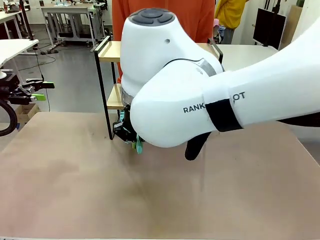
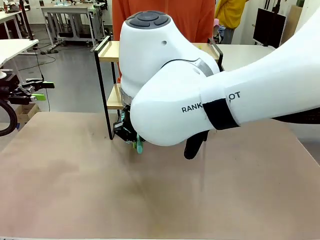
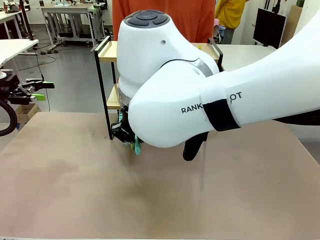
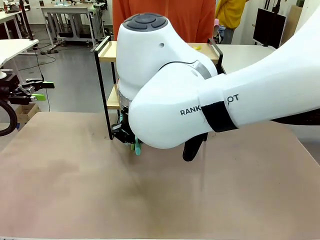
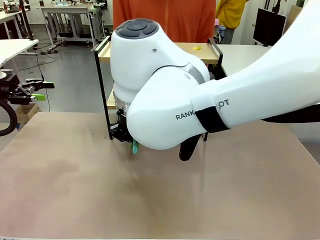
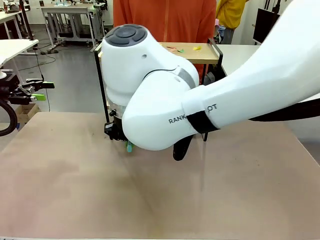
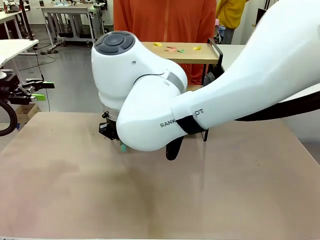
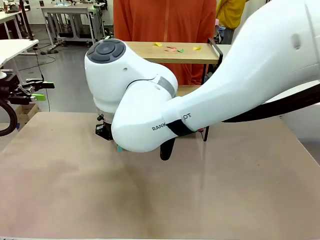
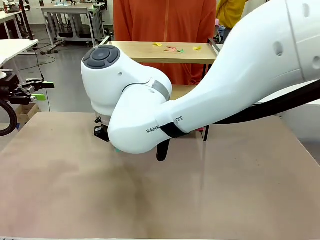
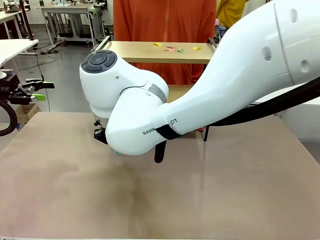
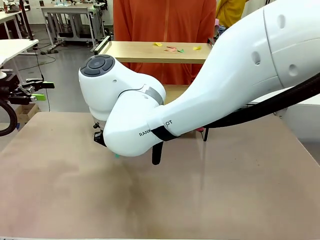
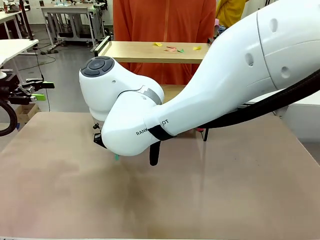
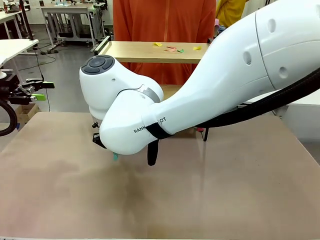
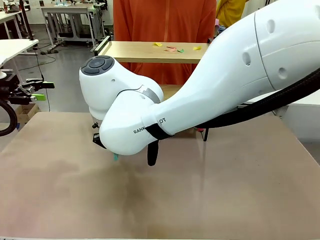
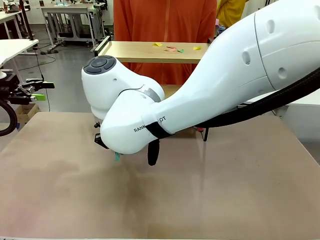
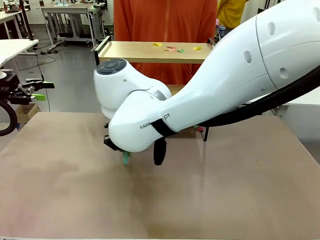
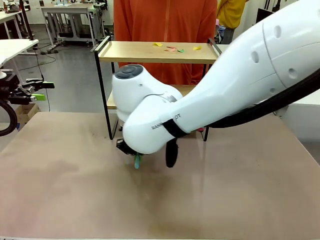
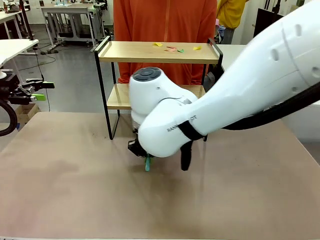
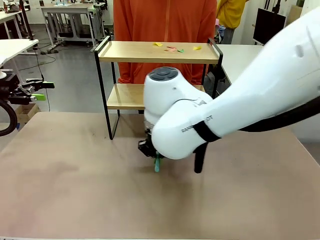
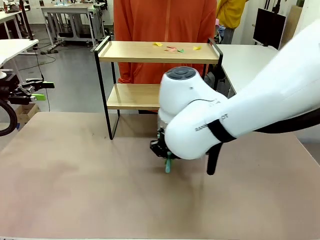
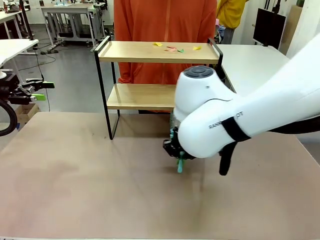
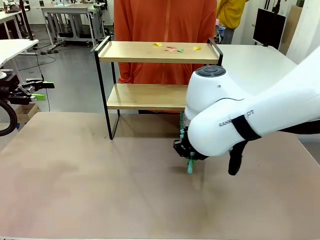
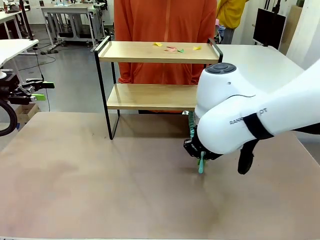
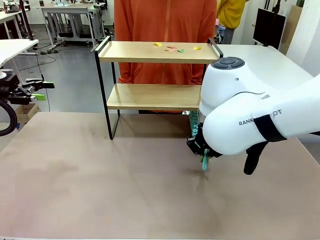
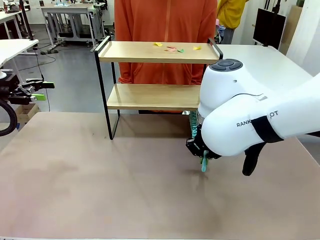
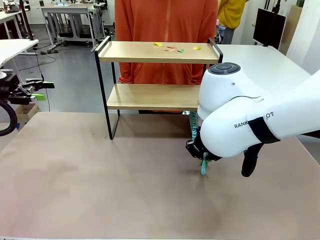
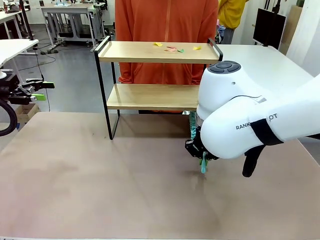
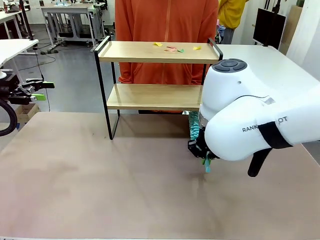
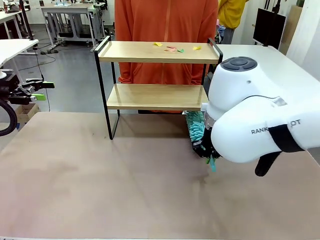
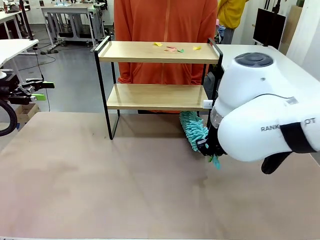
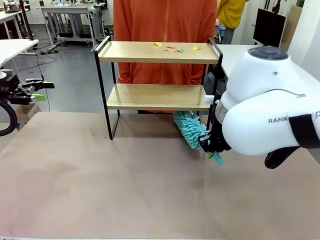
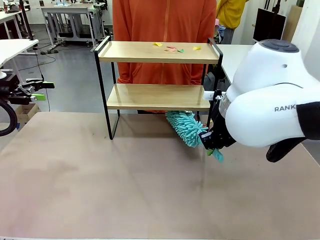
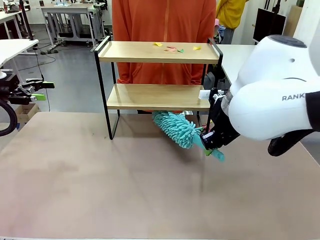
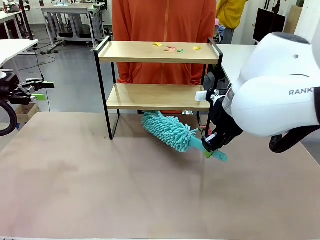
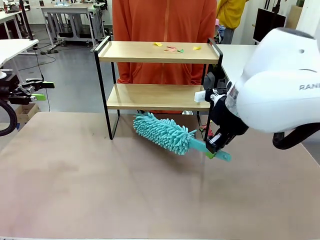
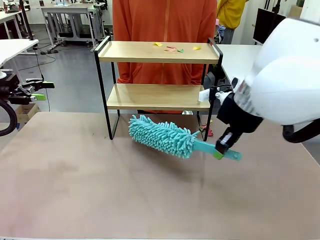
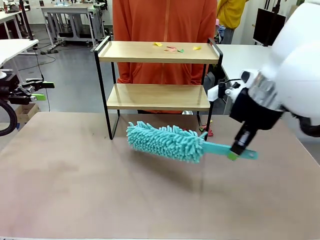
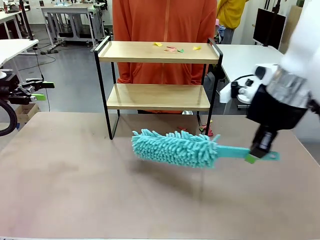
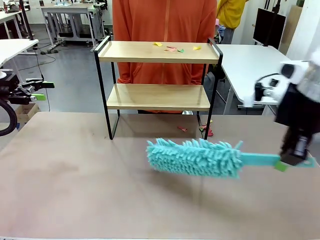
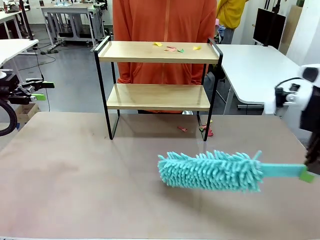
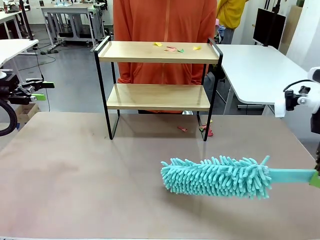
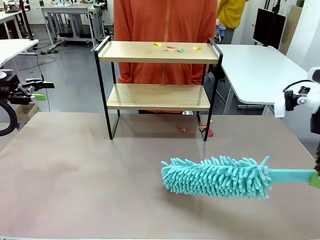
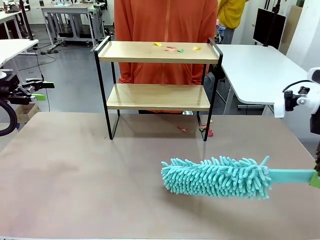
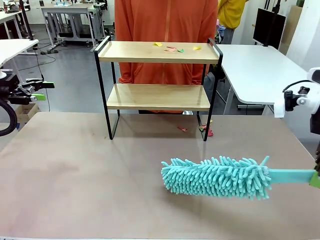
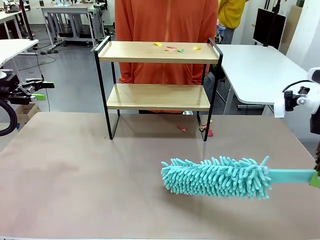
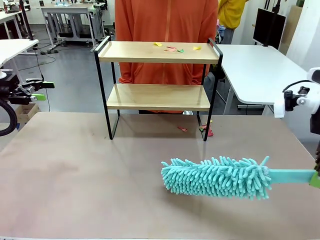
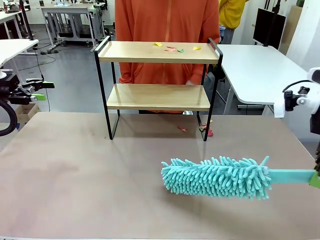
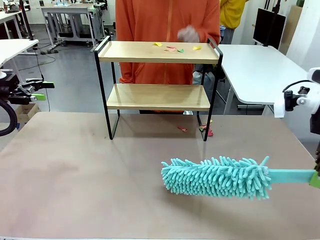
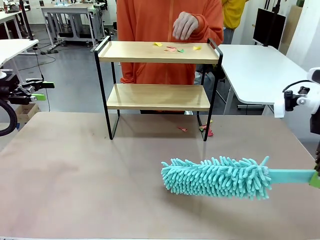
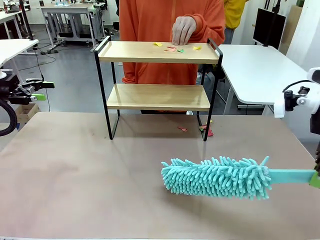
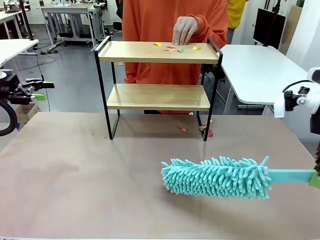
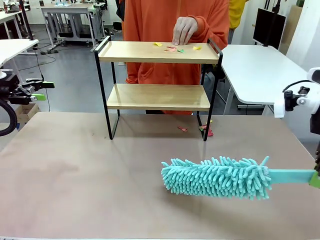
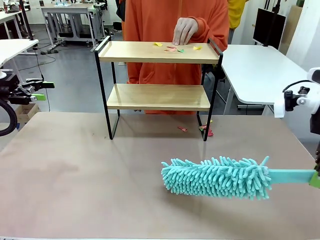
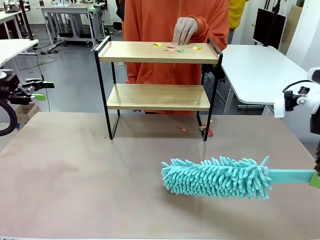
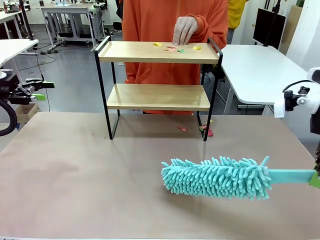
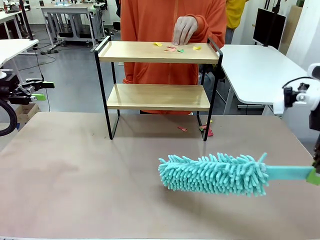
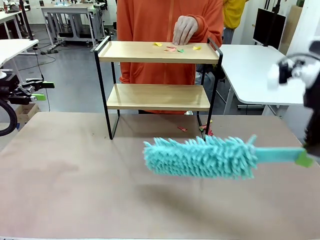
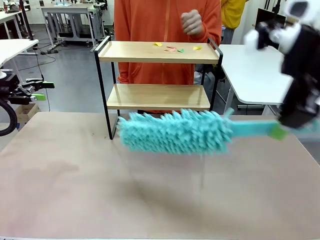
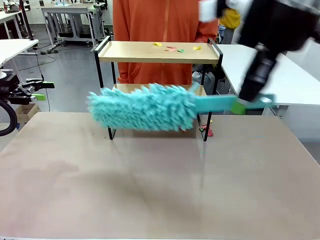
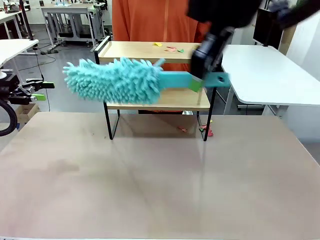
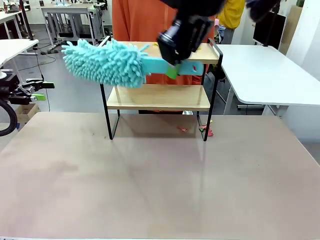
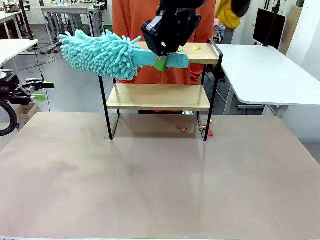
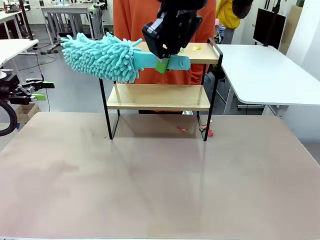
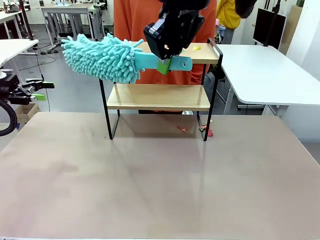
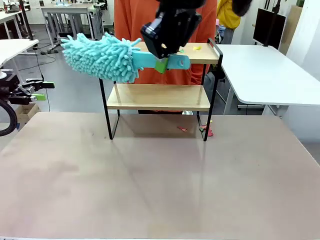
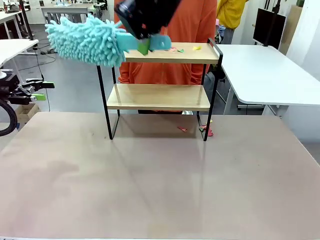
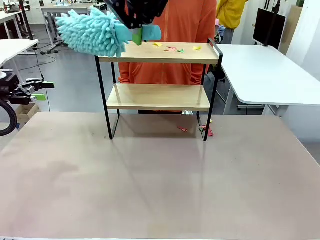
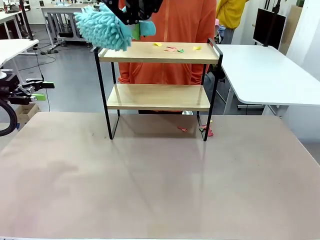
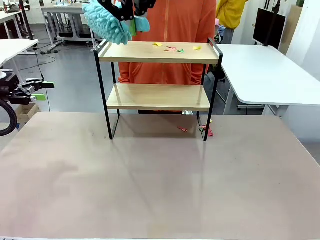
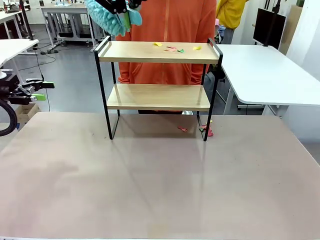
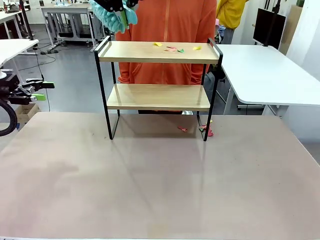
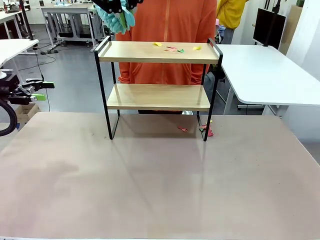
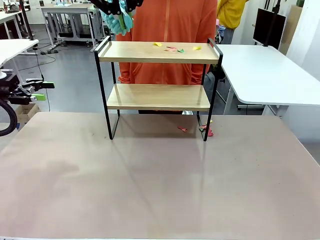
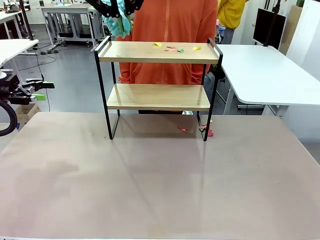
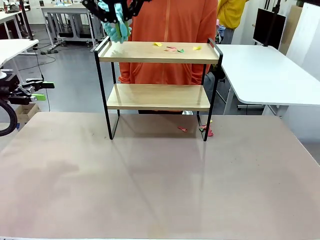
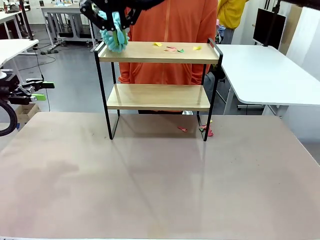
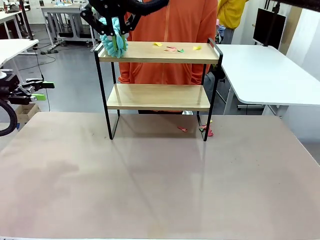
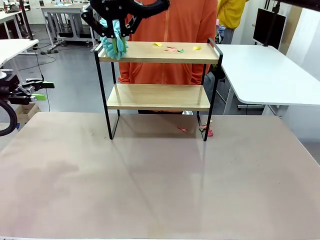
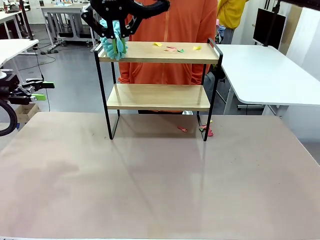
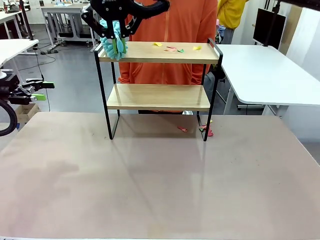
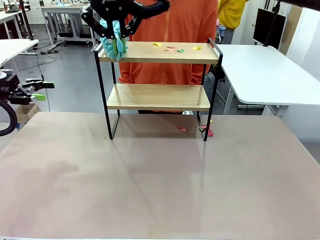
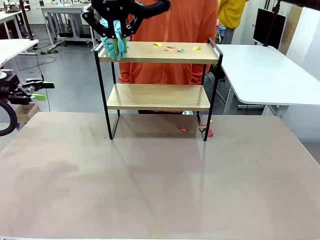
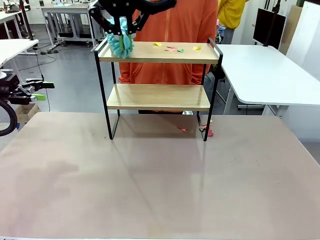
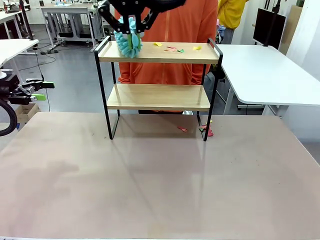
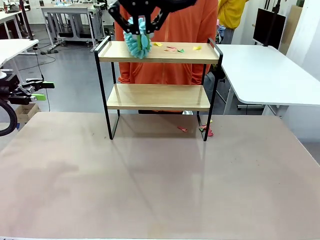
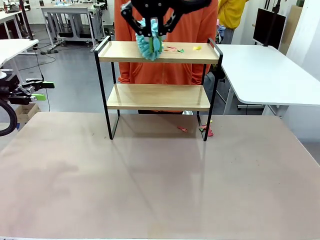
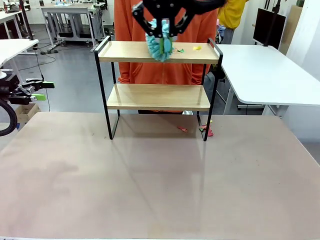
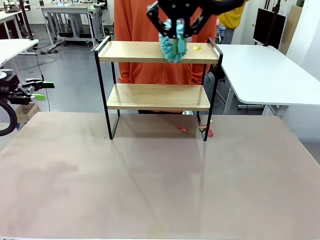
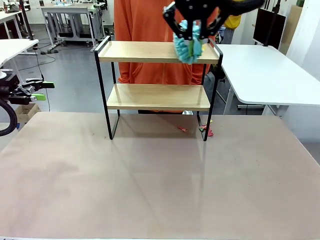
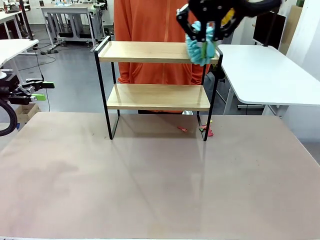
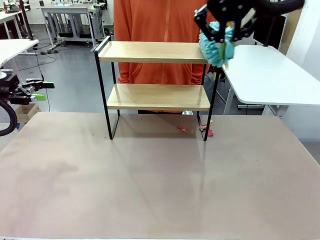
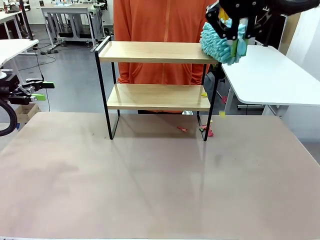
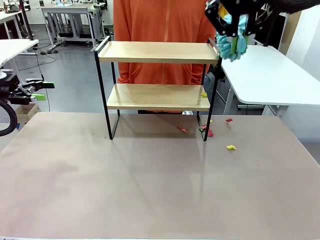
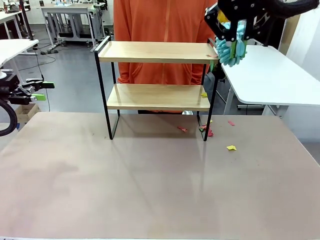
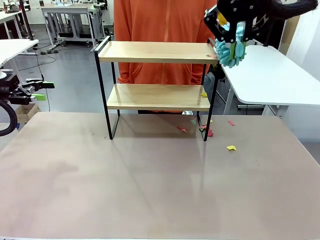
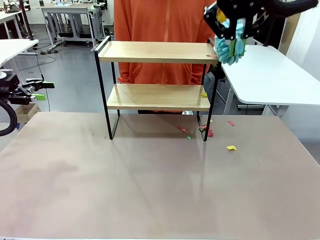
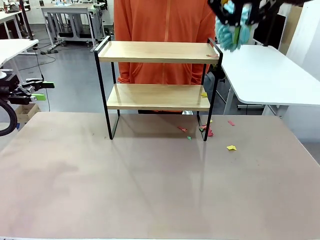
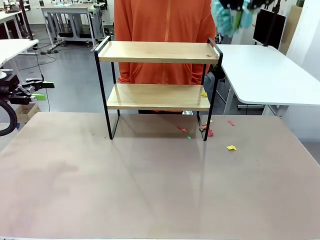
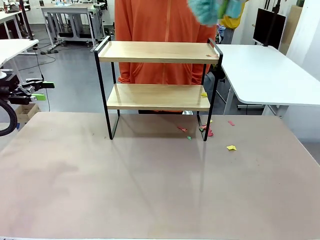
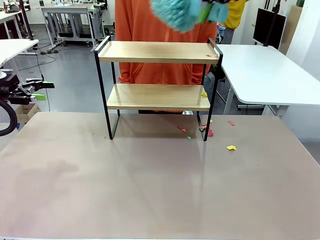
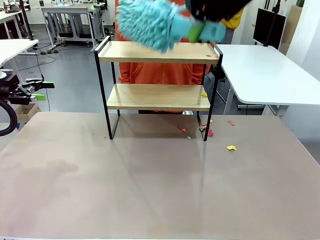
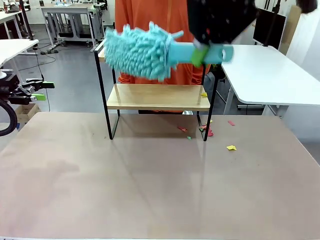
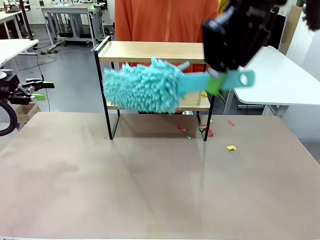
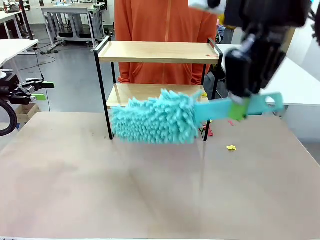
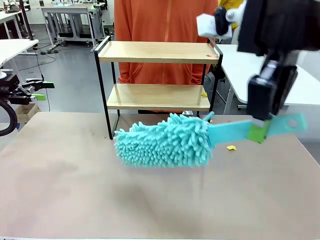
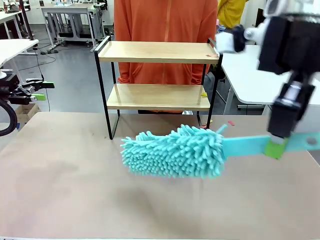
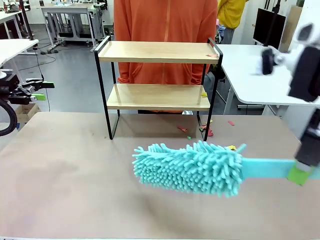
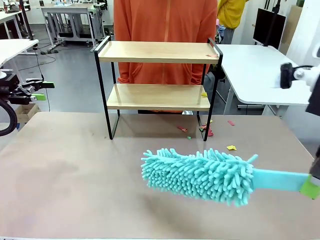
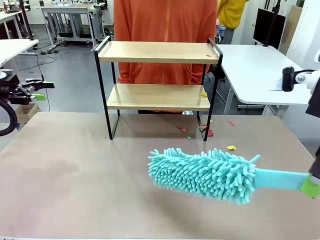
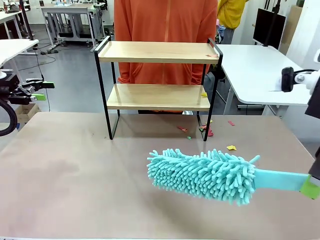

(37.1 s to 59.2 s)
Task: Clean the shelf.
Robot: Clean the specific section of the Shelf indicated by the human with the Duster.
Person: Point a remaining section of the Shelf.
